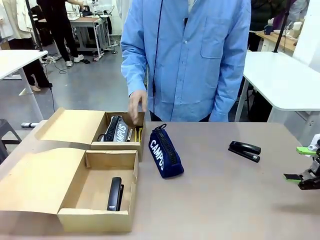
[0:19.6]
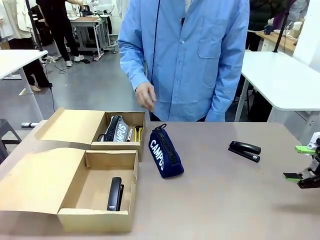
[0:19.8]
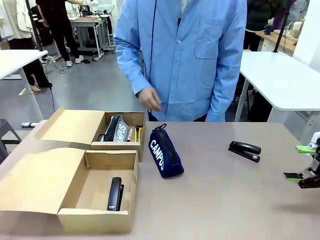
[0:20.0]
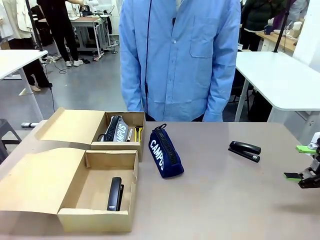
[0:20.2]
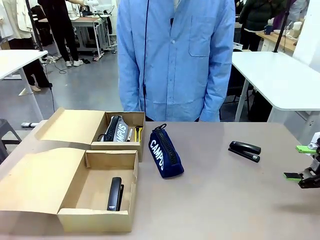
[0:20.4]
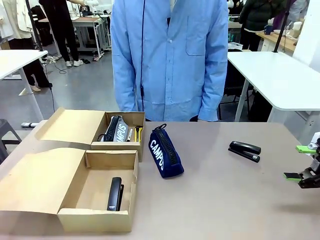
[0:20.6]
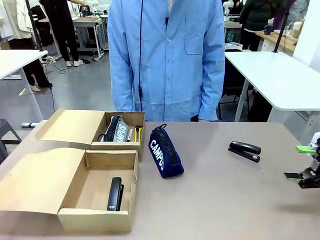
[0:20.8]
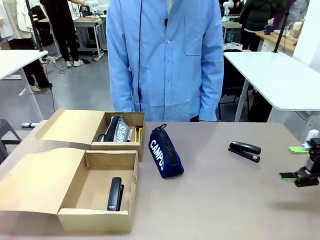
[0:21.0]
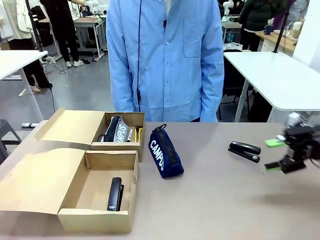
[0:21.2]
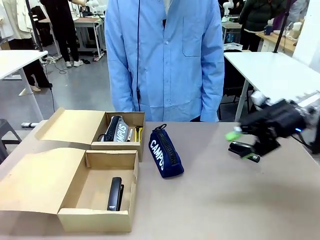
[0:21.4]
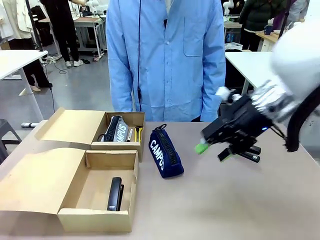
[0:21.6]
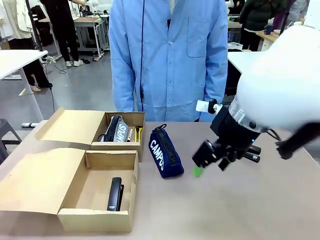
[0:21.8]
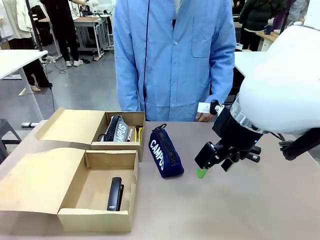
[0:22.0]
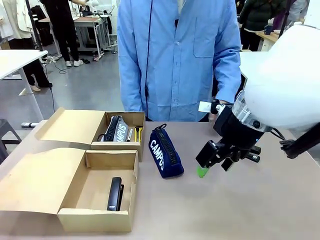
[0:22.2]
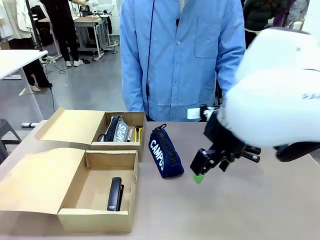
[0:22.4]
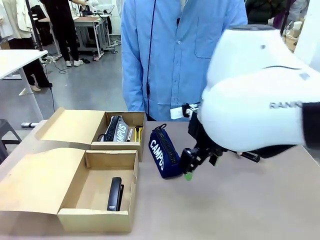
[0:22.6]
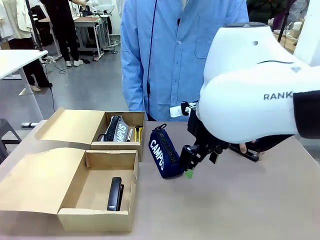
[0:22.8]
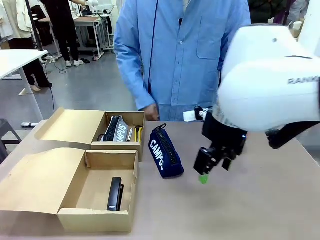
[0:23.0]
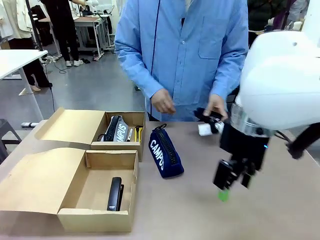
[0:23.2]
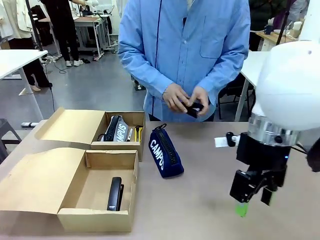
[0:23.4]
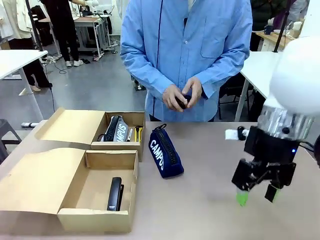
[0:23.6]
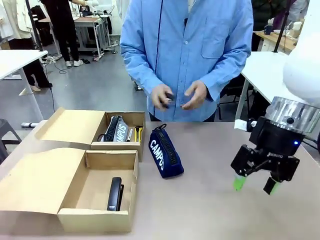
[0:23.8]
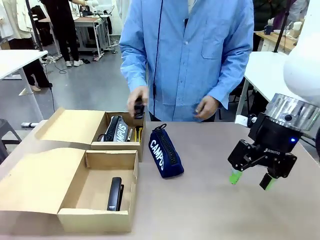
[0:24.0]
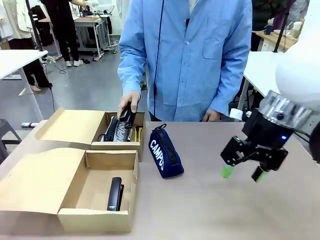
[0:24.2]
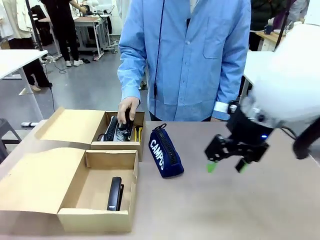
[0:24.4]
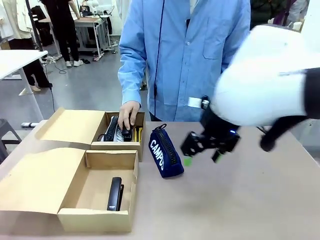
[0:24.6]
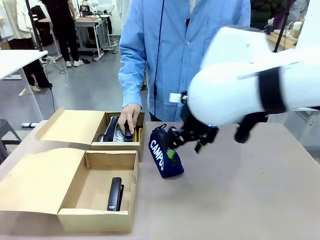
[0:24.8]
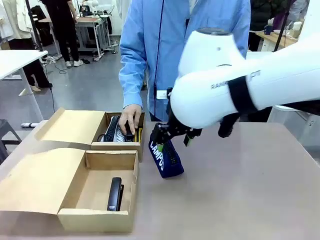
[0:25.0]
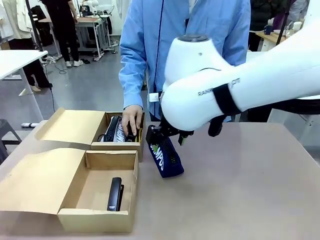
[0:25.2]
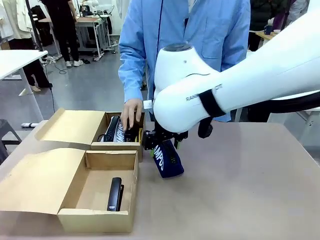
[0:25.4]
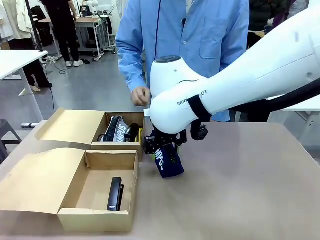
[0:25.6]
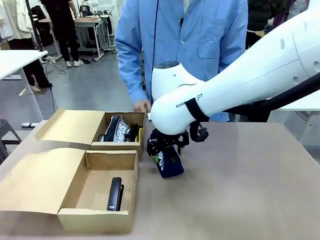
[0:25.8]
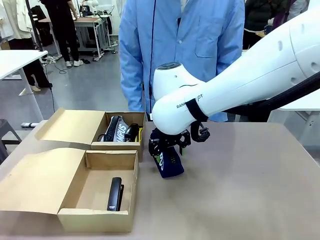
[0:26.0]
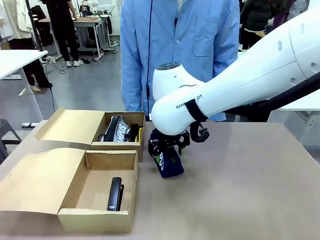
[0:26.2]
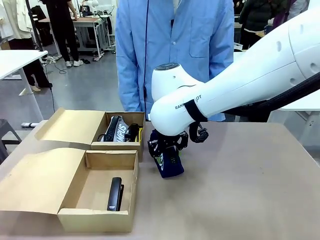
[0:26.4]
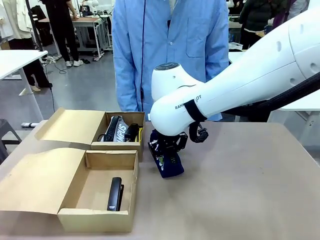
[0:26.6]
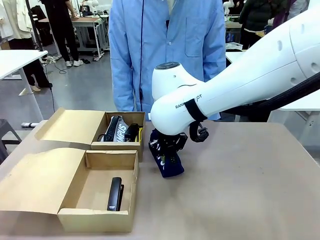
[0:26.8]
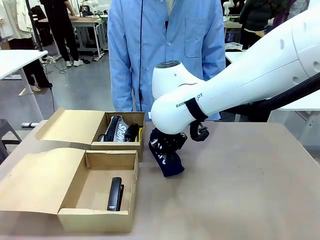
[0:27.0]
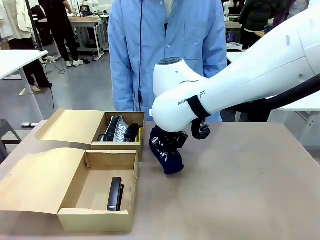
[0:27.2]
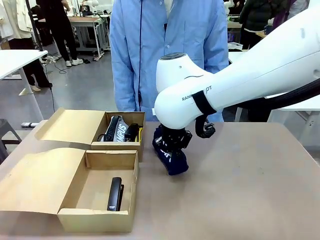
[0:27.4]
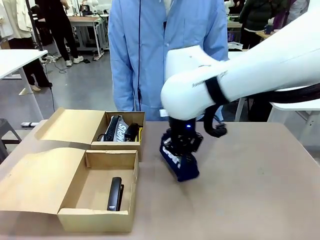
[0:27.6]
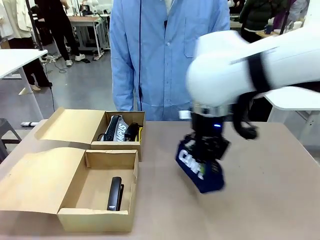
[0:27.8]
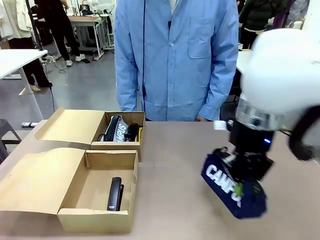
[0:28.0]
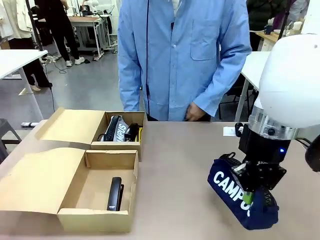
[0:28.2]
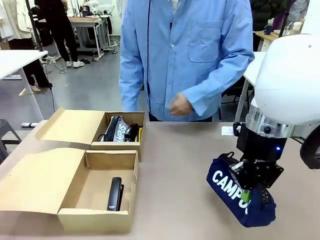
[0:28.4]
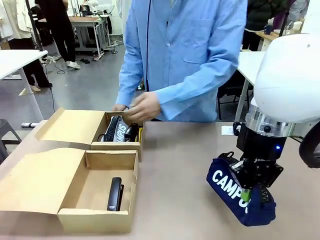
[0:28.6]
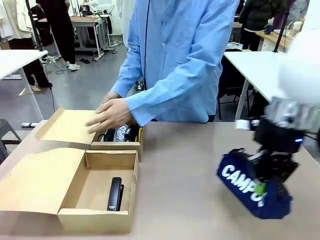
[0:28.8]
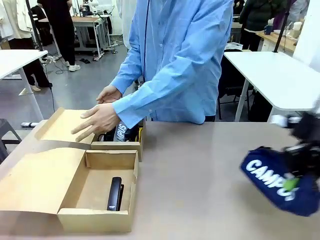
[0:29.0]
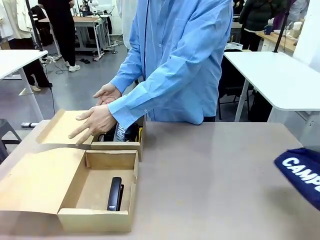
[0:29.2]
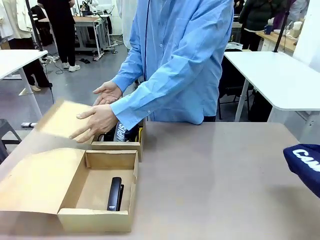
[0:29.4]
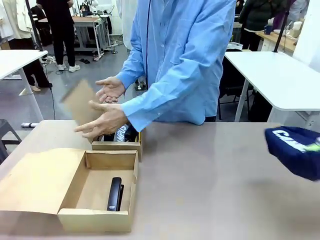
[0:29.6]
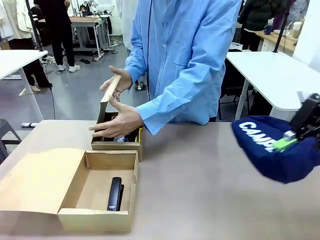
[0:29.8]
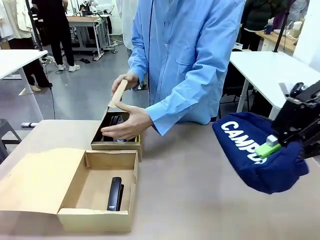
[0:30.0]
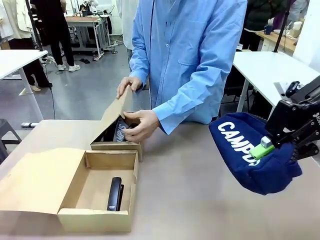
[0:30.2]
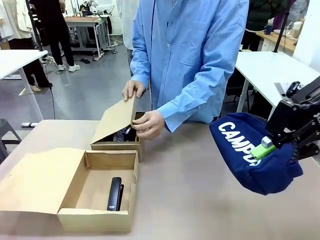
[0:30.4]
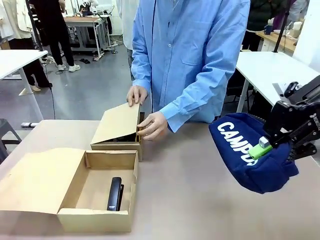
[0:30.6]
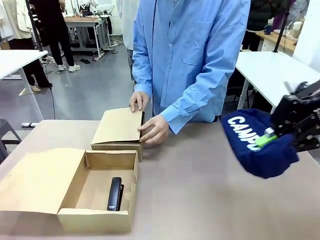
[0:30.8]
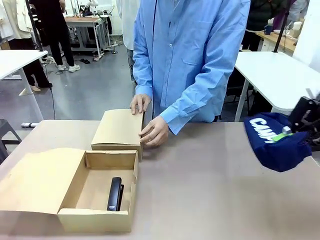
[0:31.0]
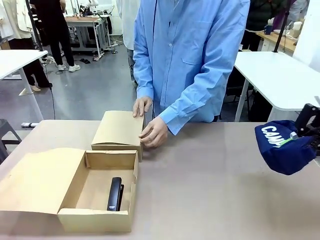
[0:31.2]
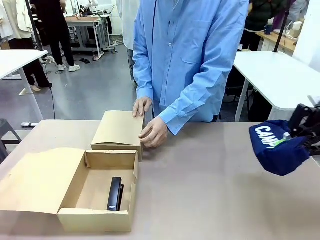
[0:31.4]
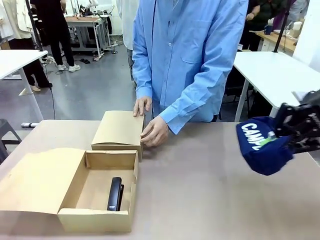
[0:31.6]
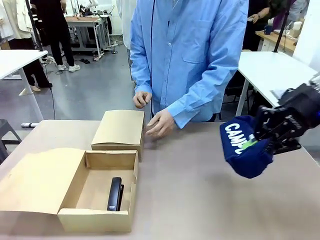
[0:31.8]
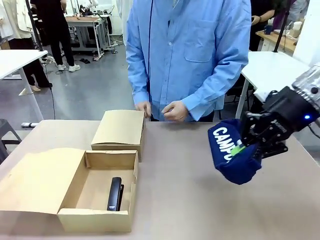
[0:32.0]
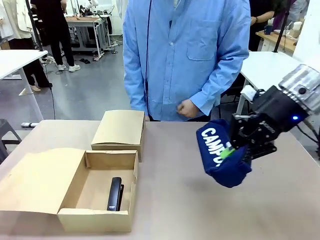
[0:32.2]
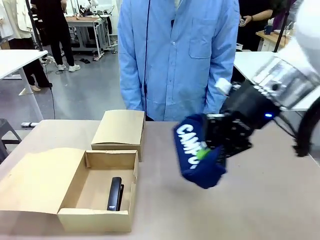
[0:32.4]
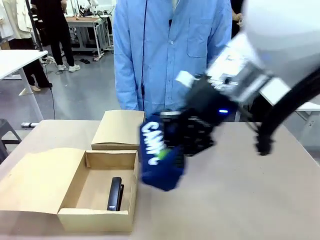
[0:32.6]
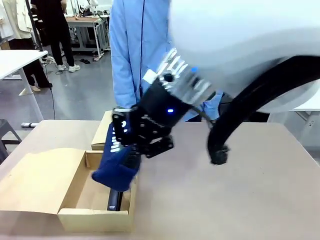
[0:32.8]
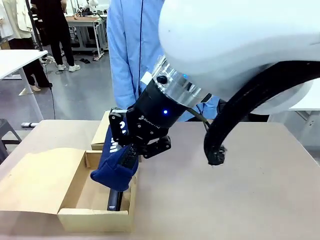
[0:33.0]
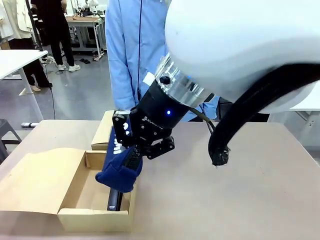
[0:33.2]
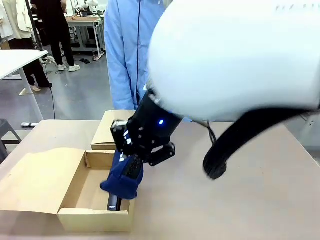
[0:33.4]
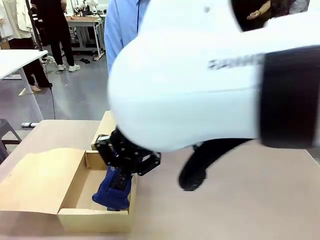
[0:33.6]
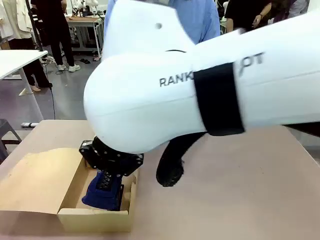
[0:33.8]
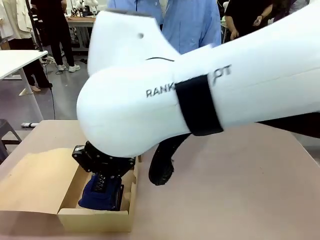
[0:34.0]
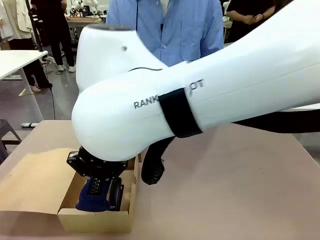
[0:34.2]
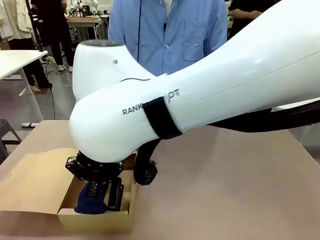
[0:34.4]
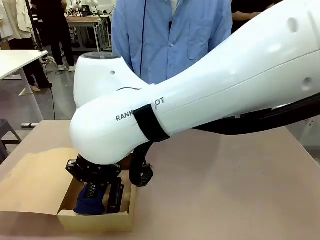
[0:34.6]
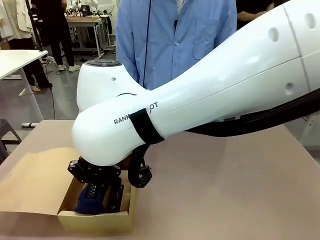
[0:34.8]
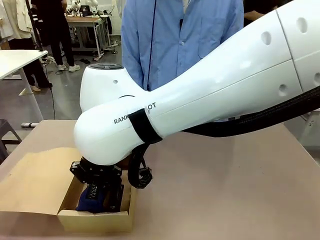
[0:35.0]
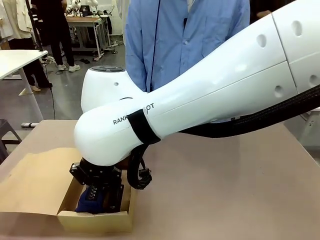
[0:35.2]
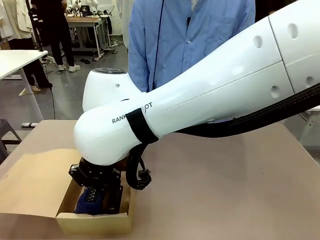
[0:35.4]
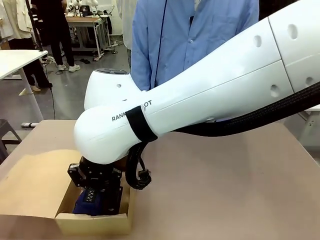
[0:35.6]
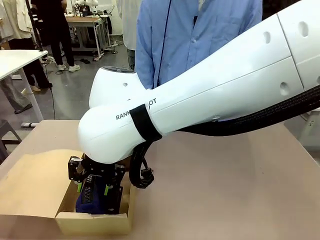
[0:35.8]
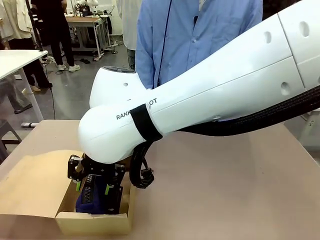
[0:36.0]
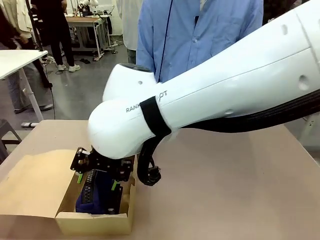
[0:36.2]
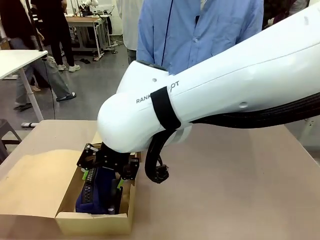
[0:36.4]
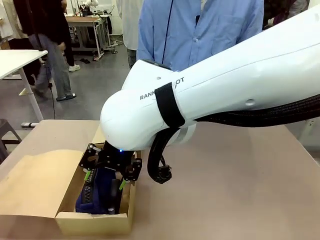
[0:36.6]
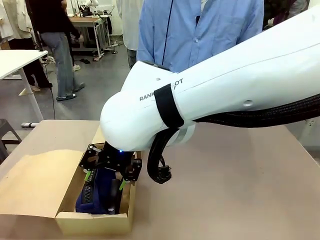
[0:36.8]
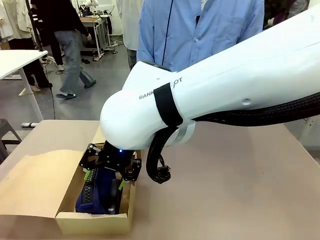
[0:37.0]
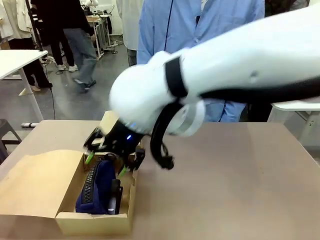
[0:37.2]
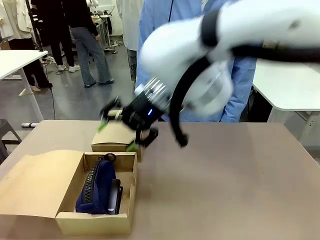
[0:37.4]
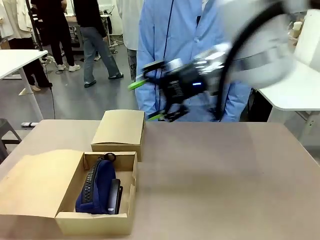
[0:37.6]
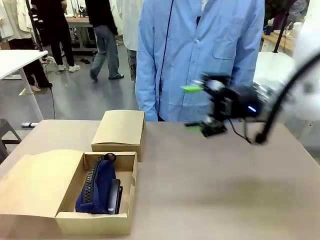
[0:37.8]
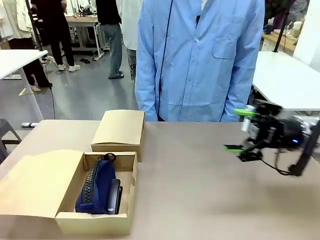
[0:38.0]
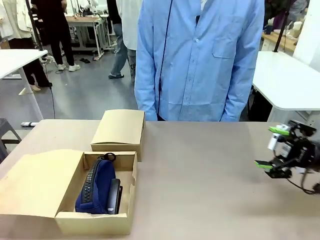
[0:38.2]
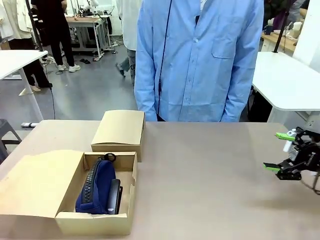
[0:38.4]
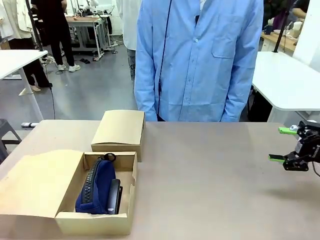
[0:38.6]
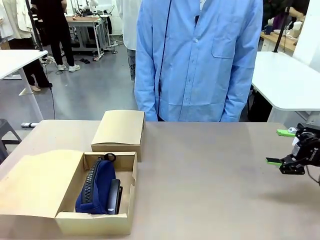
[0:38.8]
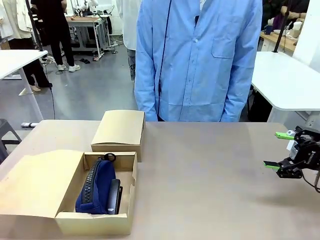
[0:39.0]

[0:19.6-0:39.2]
Task: Place items inside the box.
Robot: Pick up a Pencil pouch or Stapler and place it inside the Mailer Box closest to the robot.
Person: Close the lid of the box facing the person.
